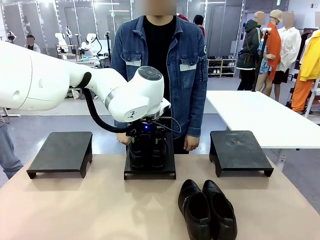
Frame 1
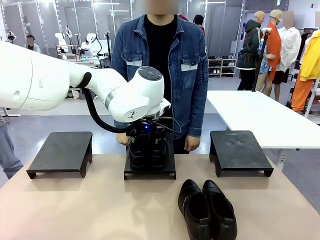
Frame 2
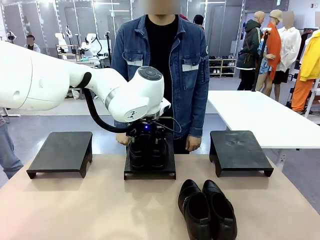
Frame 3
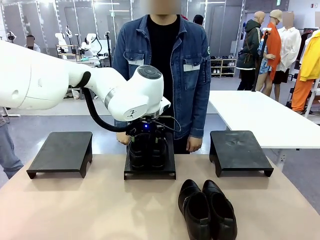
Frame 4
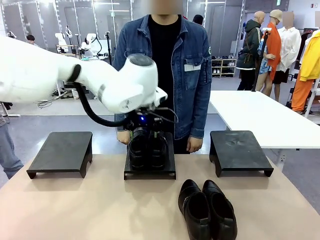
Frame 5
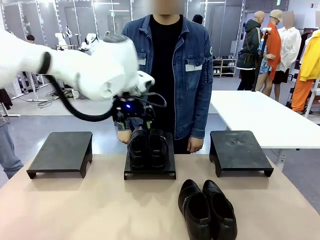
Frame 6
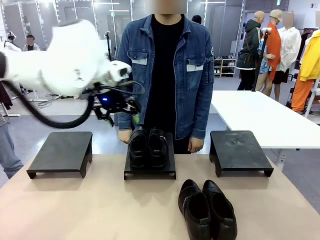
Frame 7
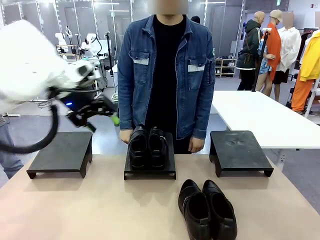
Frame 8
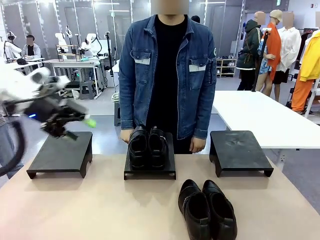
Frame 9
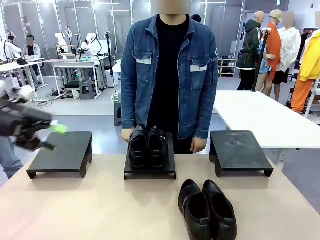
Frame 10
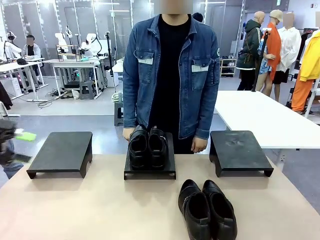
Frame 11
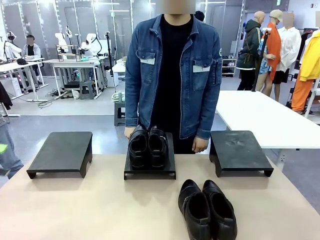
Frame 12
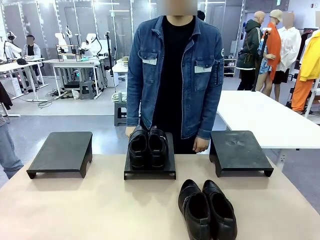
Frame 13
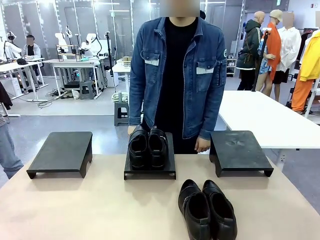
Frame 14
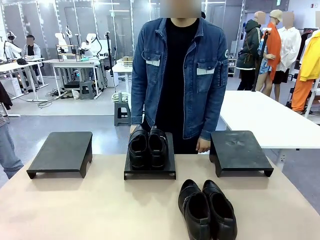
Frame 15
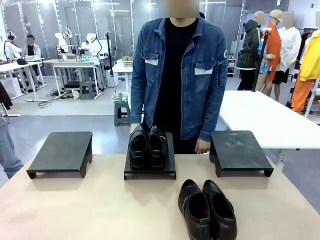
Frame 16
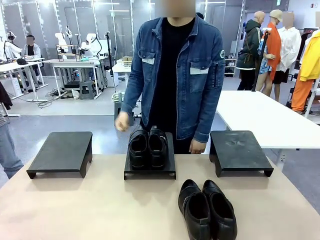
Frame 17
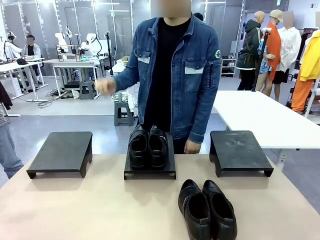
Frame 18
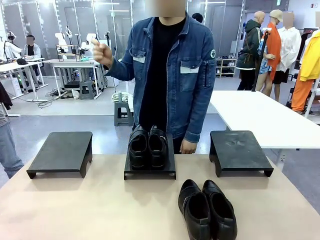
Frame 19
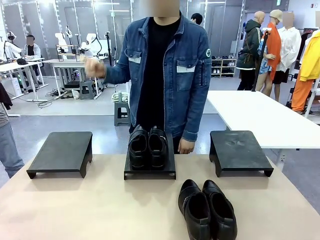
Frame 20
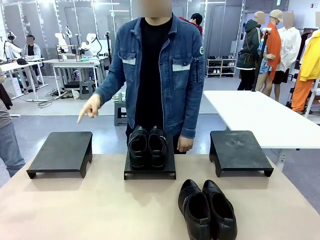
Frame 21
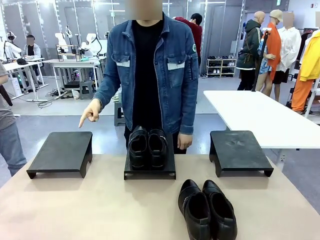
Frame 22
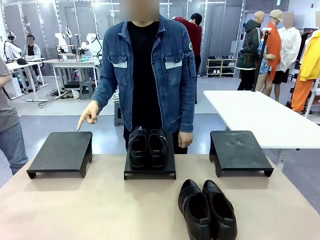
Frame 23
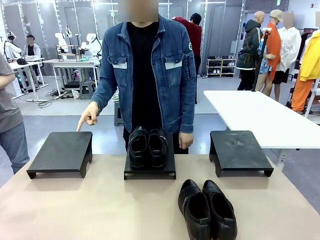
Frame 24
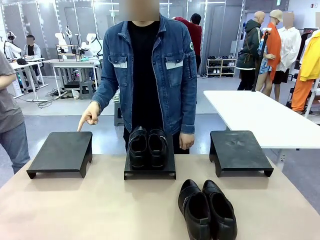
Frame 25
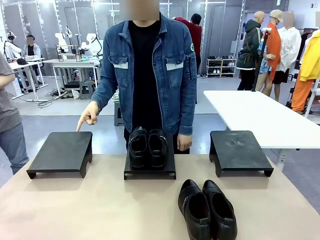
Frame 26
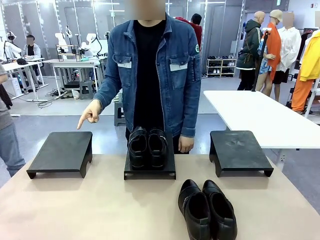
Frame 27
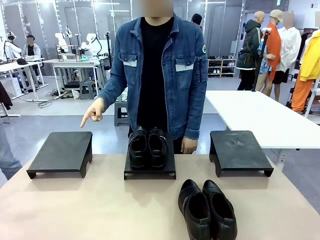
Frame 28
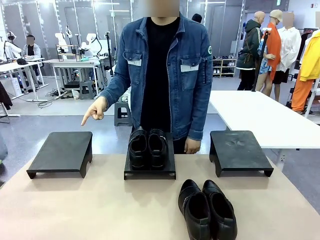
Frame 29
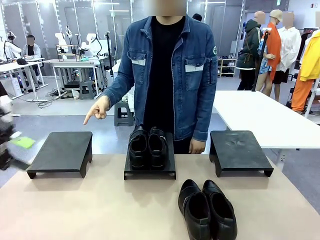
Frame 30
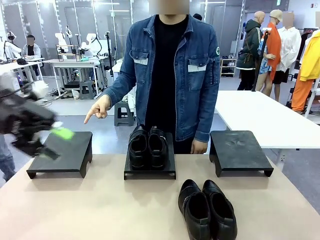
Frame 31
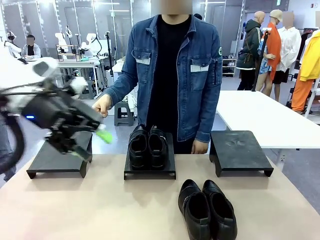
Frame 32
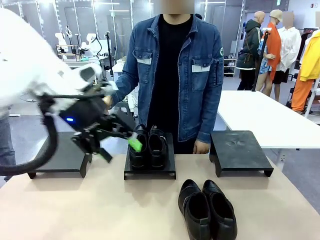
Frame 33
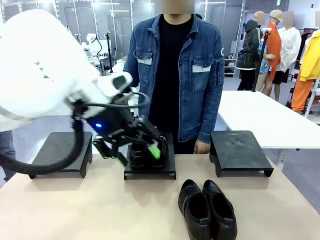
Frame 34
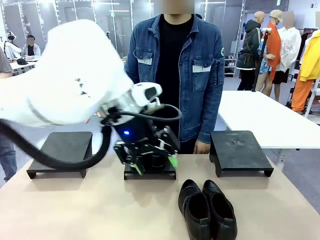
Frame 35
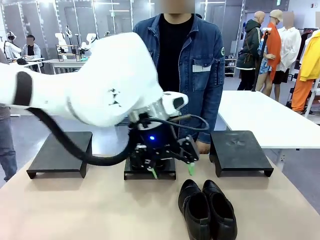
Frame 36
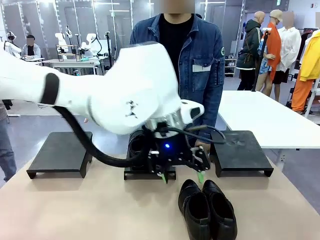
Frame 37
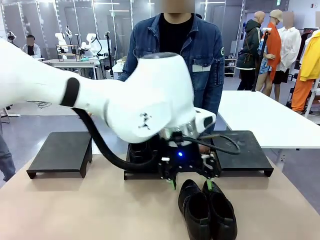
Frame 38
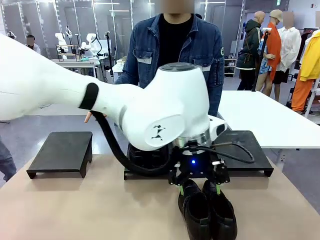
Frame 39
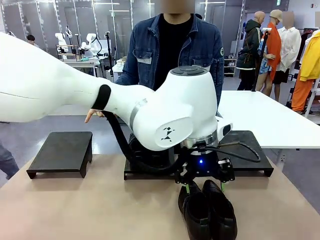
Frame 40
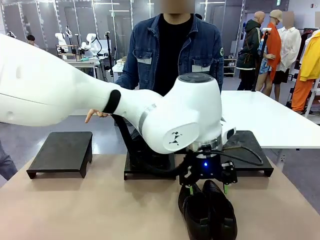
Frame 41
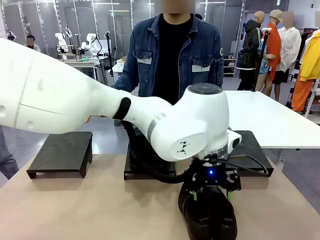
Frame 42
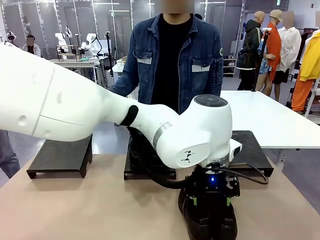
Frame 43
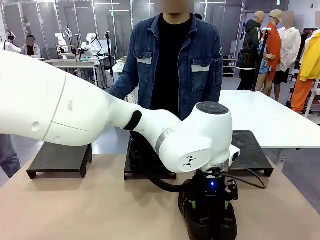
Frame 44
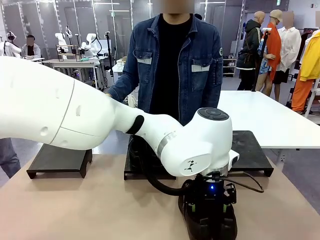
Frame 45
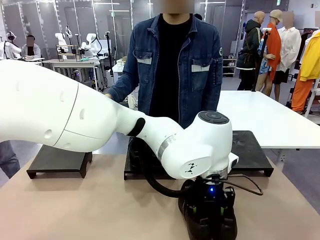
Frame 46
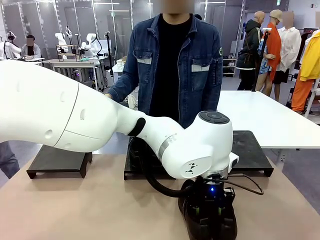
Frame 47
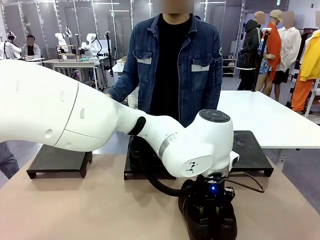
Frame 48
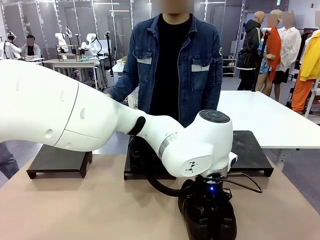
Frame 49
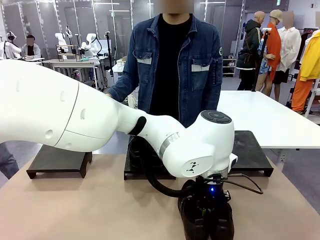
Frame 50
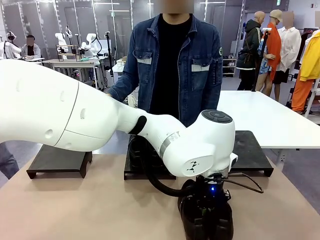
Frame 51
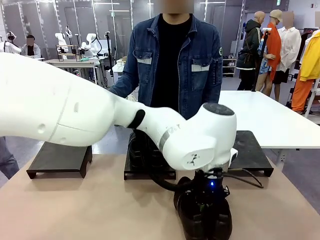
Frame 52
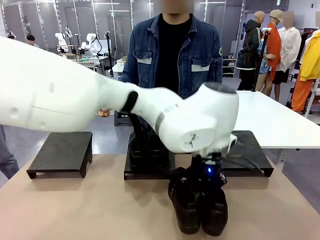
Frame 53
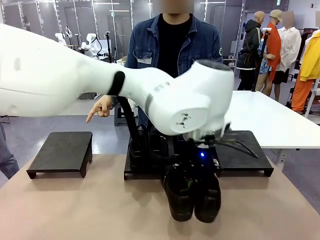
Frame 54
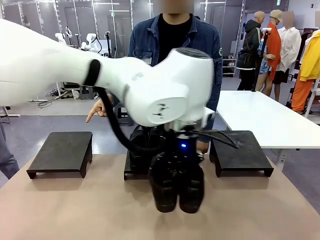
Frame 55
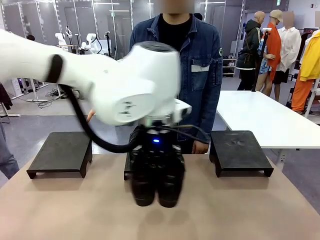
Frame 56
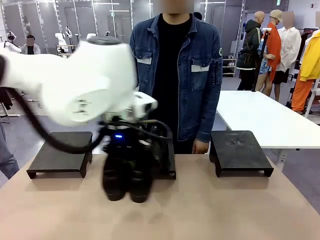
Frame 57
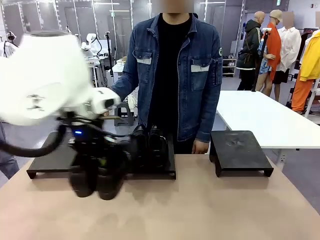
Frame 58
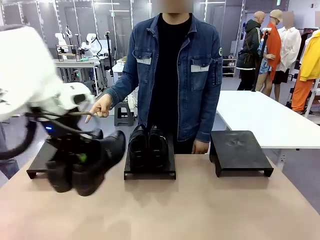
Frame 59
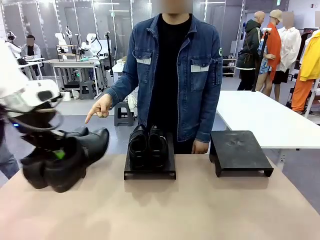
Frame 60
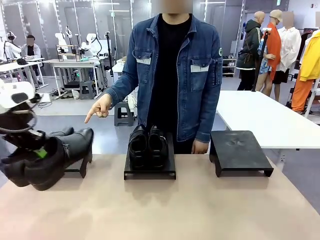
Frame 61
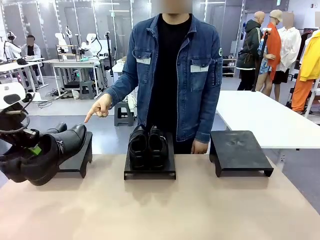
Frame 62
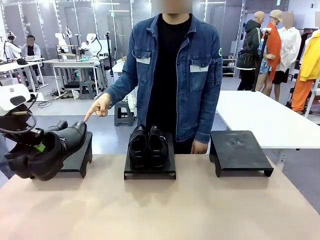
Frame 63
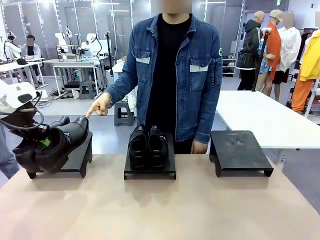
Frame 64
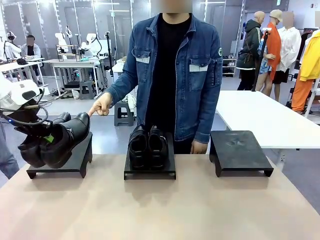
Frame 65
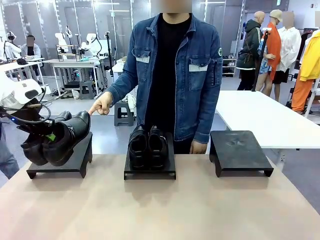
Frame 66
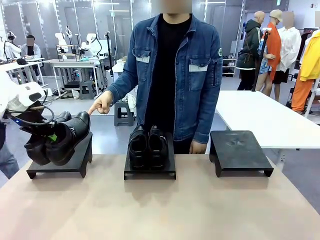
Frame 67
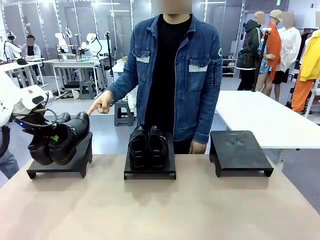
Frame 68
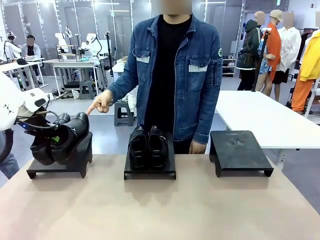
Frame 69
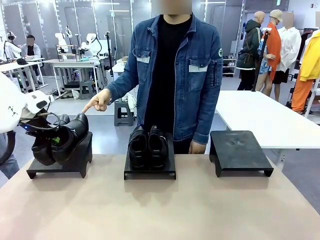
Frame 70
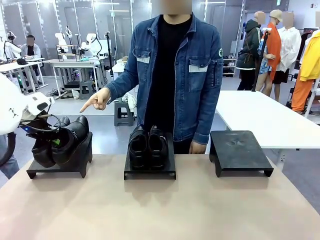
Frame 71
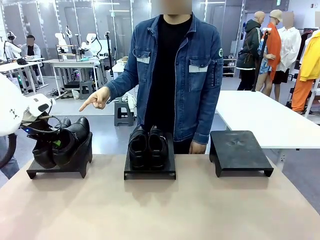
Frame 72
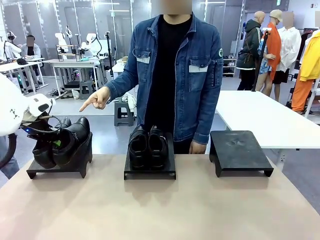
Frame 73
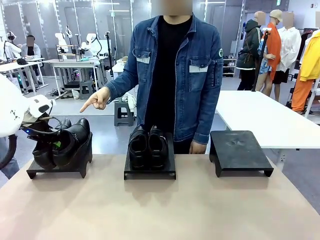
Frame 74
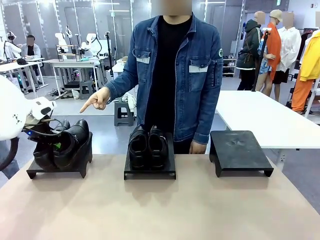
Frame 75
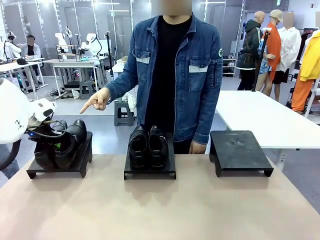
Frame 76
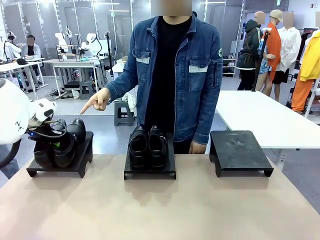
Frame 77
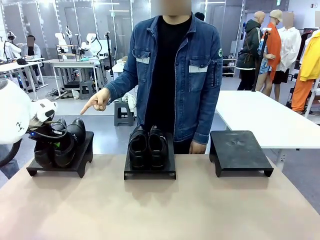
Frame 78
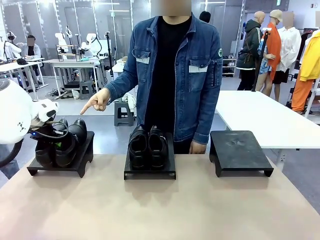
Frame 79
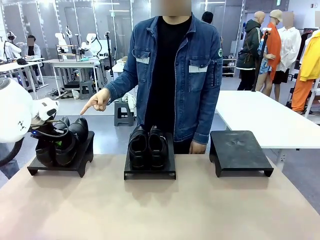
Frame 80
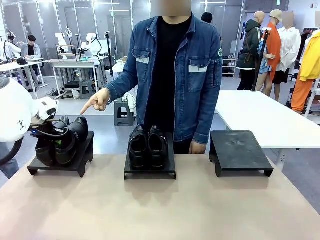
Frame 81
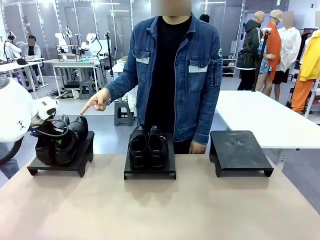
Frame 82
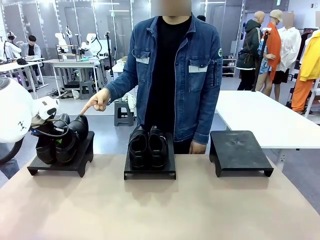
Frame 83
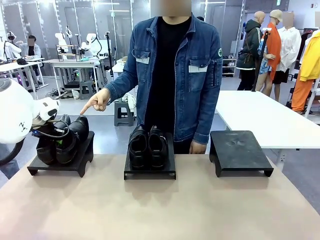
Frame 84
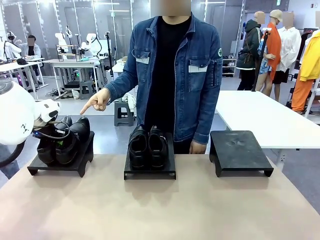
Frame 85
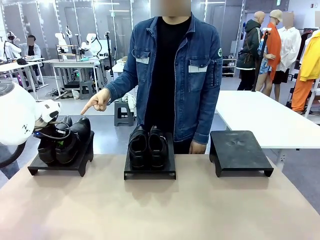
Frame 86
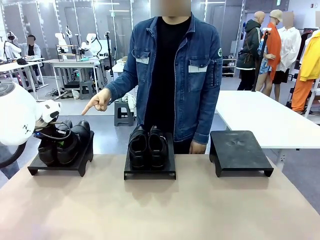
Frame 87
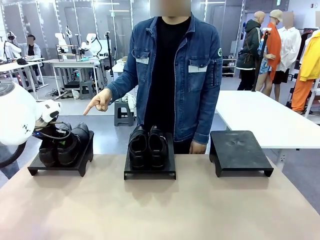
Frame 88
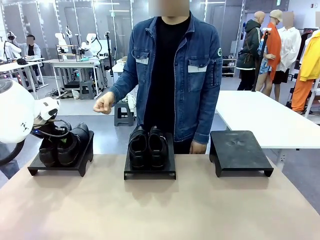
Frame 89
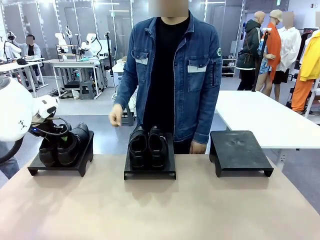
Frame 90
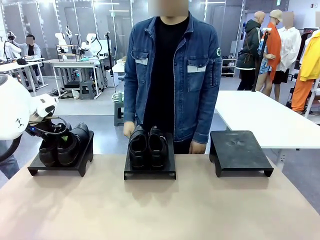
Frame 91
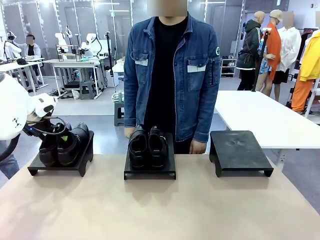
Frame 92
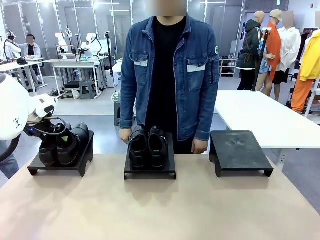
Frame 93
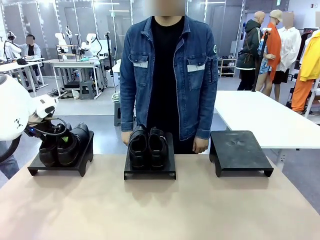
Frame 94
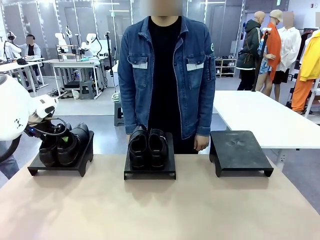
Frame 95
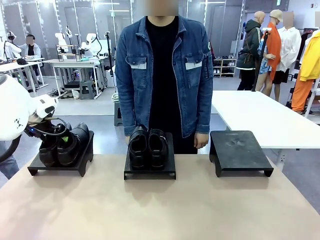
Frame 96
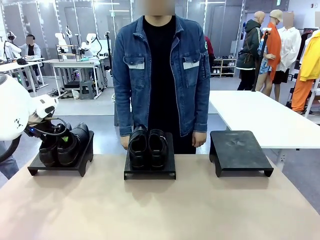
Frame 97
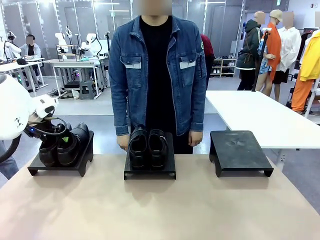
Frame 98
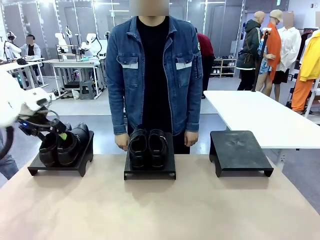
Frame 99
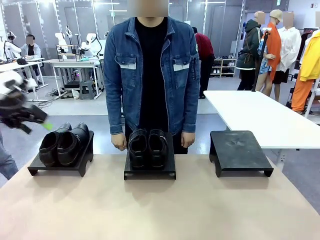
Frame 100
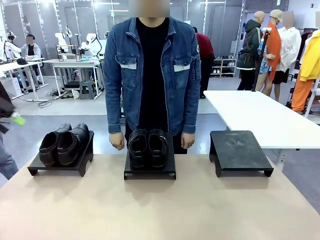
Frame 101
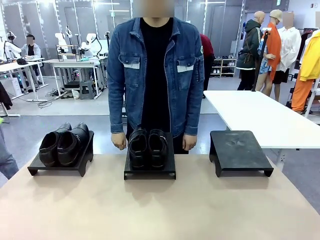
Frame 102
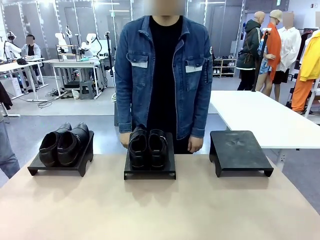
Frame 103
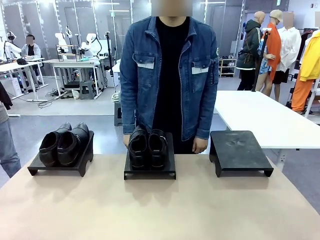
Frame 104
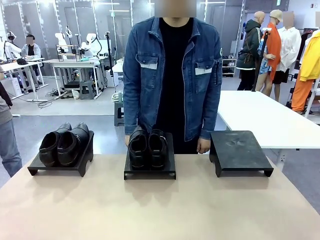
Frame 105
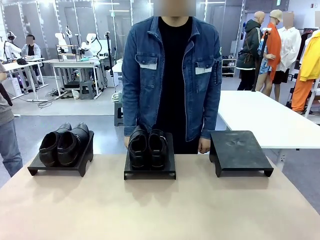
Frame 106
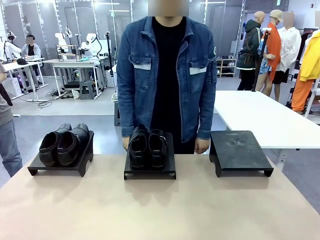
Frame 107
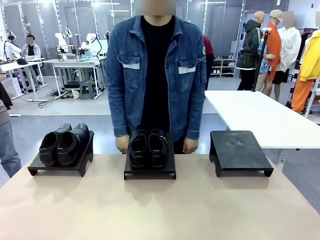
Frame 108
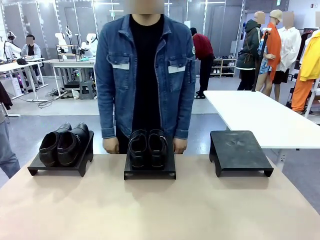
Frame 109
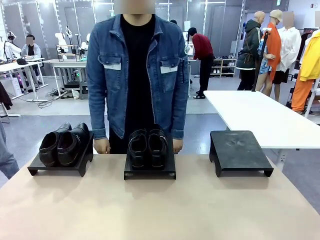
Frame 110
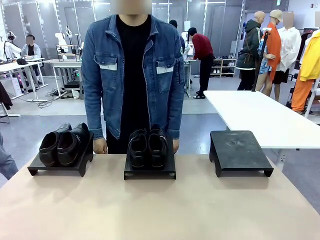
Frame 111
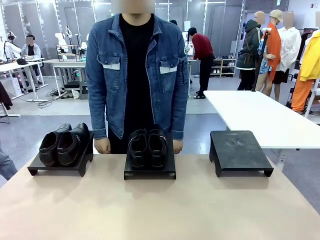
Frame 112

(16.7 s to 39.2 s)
Task: Place the shoes on the stand as instructed by the person.
Robot: Pick up another pair of Shoes and place it on the Shoes Stand indicated by the person.
Person: Point to one Shoes Stand.
